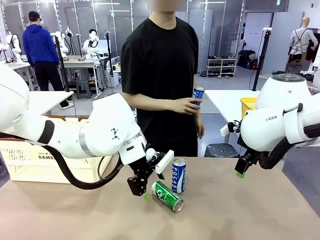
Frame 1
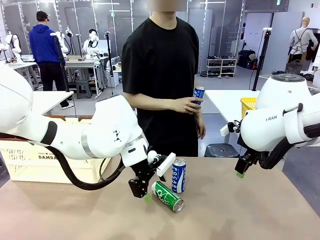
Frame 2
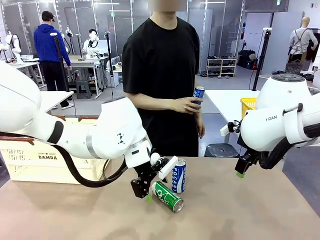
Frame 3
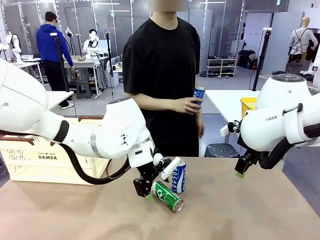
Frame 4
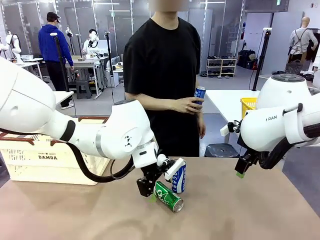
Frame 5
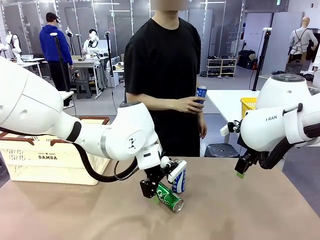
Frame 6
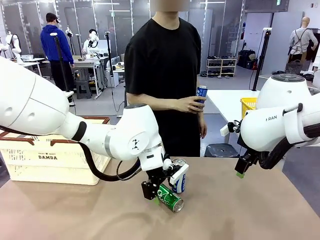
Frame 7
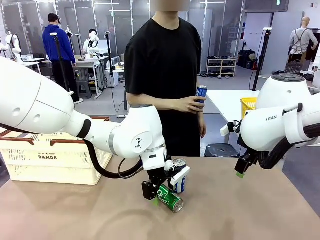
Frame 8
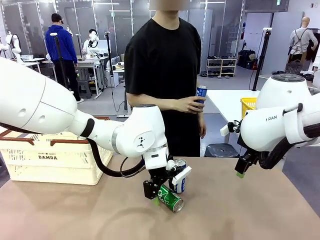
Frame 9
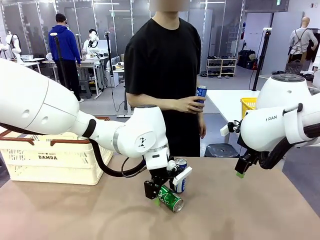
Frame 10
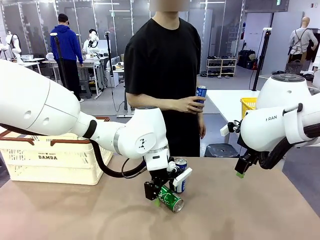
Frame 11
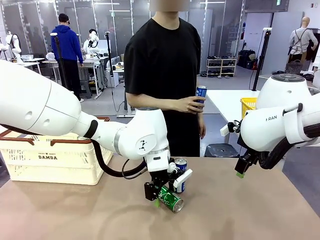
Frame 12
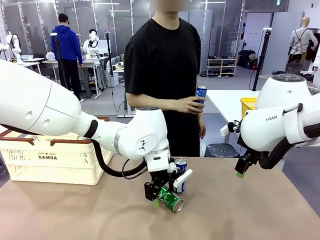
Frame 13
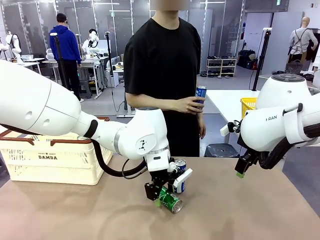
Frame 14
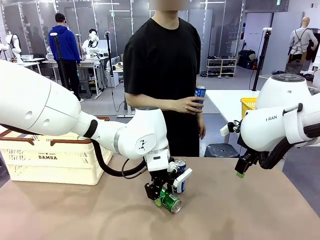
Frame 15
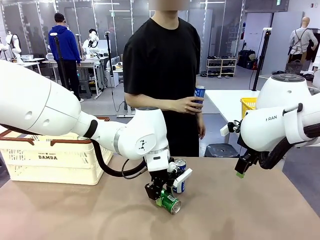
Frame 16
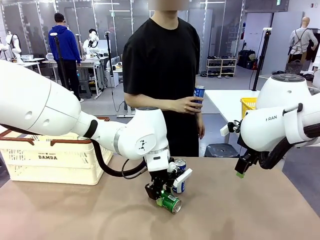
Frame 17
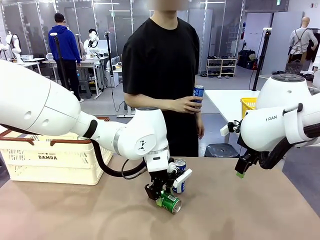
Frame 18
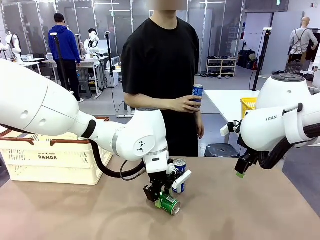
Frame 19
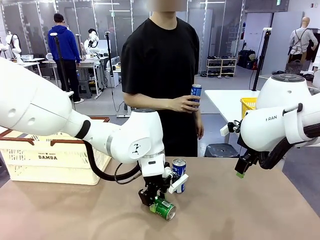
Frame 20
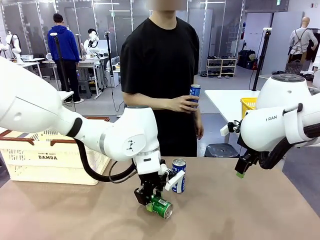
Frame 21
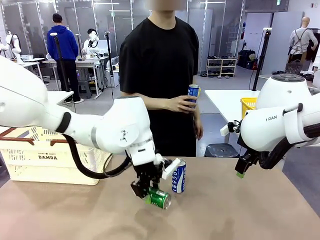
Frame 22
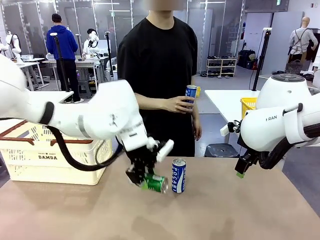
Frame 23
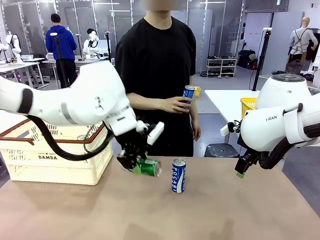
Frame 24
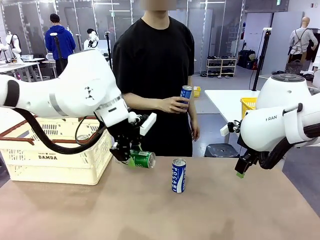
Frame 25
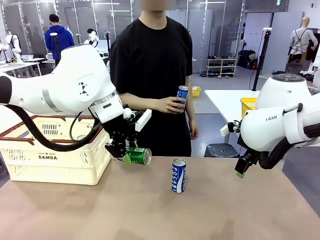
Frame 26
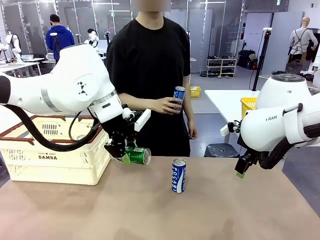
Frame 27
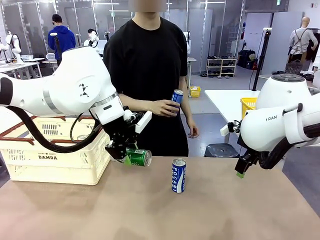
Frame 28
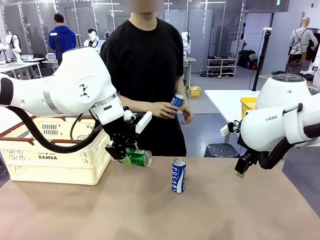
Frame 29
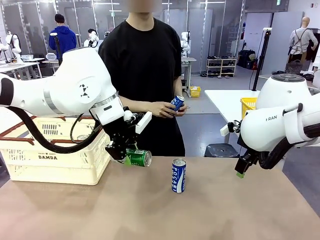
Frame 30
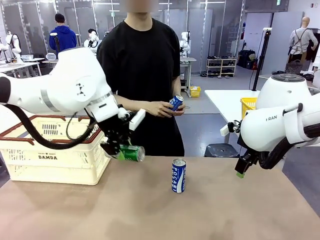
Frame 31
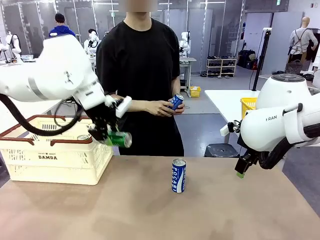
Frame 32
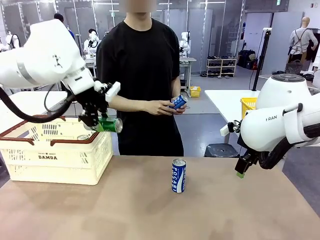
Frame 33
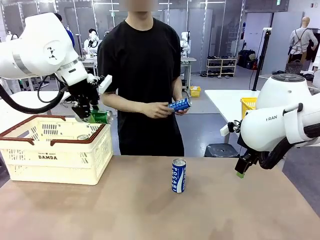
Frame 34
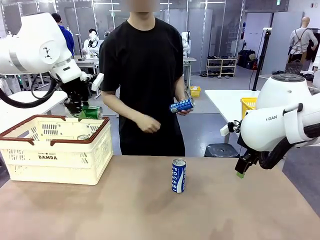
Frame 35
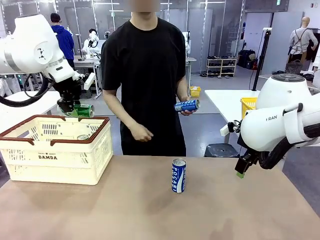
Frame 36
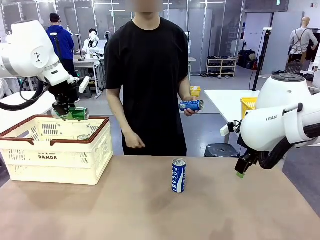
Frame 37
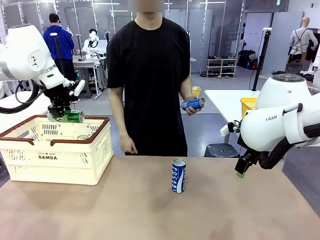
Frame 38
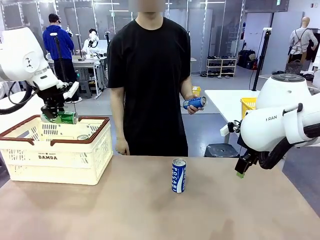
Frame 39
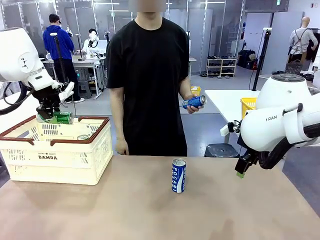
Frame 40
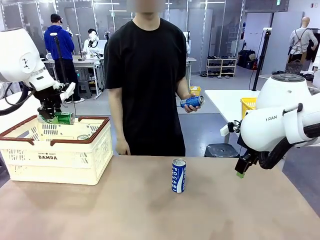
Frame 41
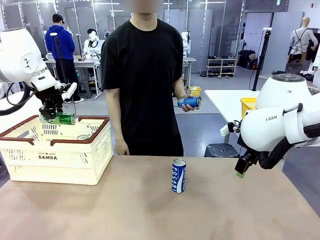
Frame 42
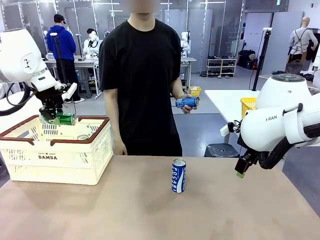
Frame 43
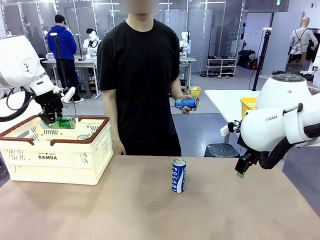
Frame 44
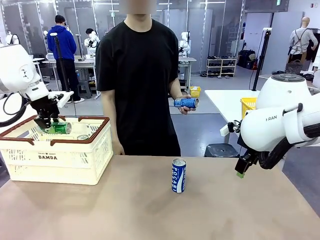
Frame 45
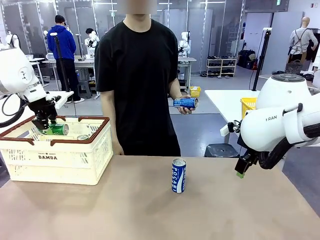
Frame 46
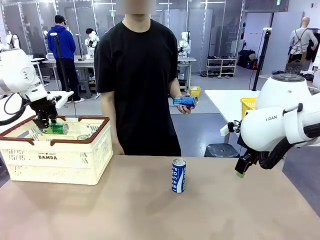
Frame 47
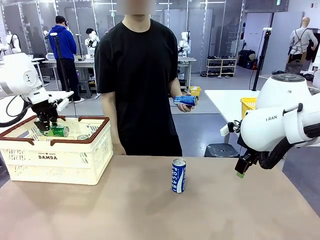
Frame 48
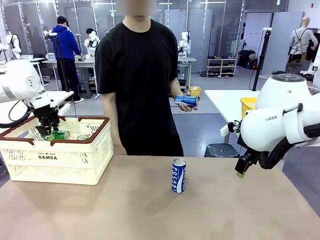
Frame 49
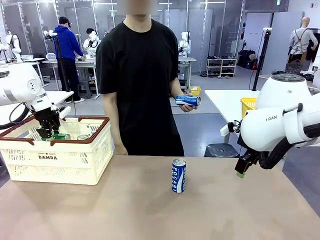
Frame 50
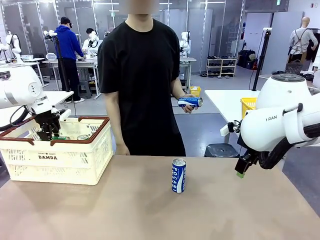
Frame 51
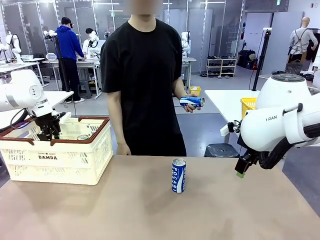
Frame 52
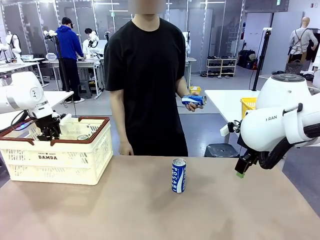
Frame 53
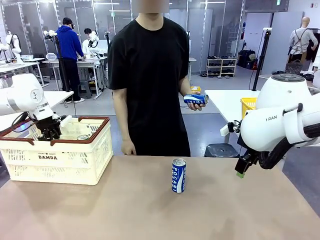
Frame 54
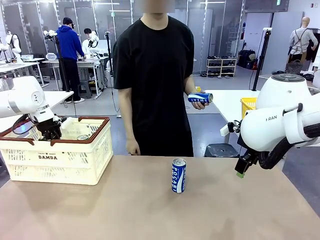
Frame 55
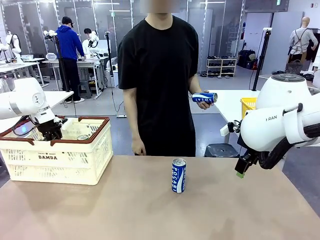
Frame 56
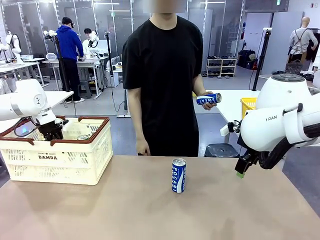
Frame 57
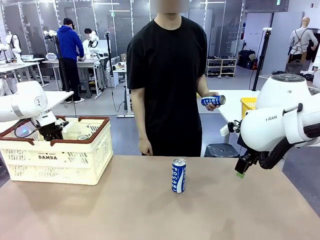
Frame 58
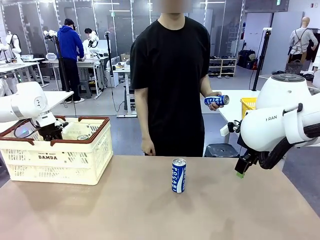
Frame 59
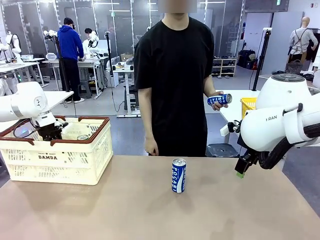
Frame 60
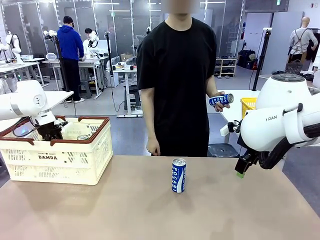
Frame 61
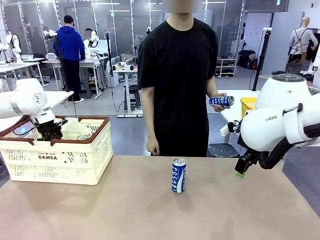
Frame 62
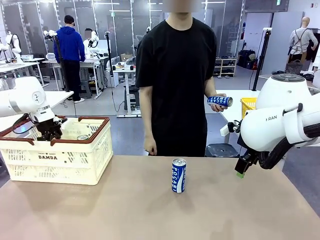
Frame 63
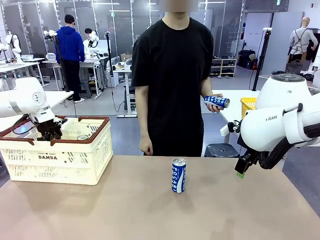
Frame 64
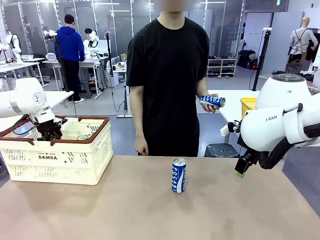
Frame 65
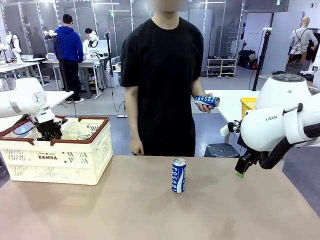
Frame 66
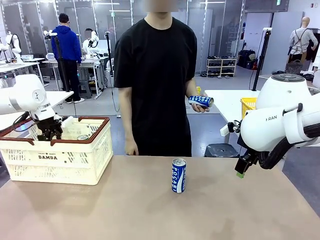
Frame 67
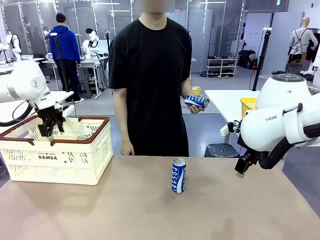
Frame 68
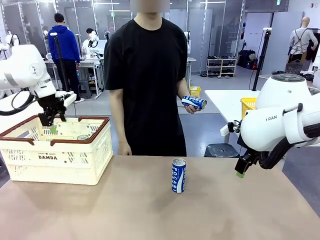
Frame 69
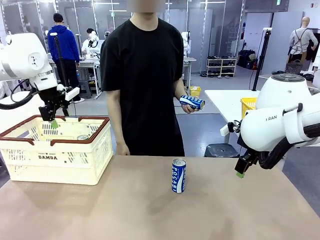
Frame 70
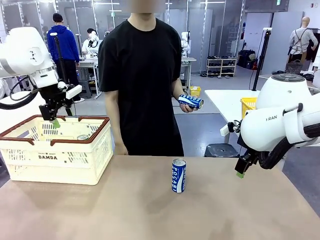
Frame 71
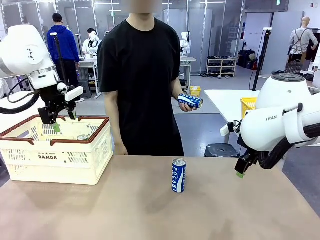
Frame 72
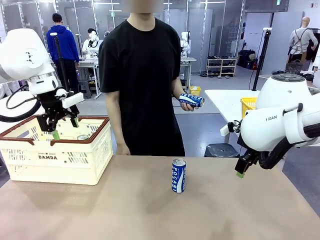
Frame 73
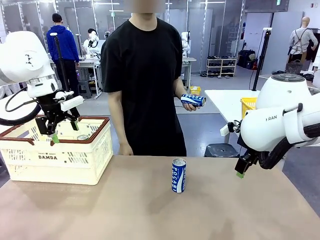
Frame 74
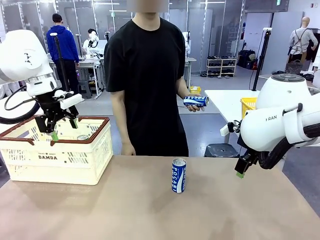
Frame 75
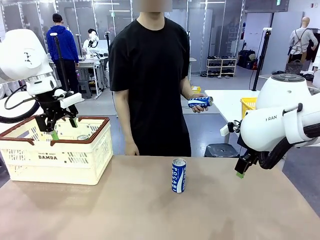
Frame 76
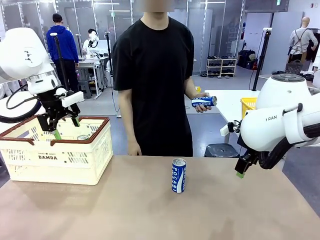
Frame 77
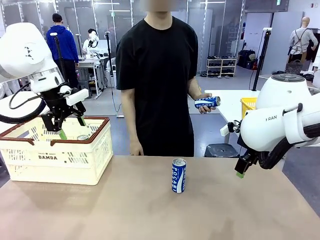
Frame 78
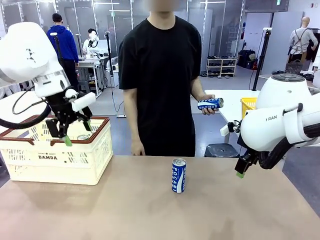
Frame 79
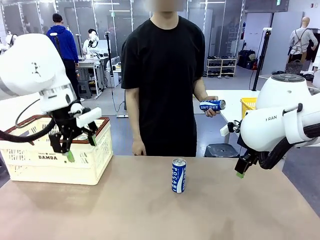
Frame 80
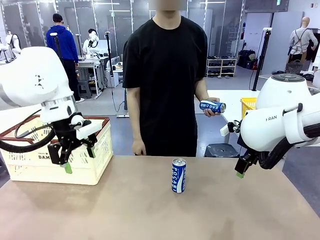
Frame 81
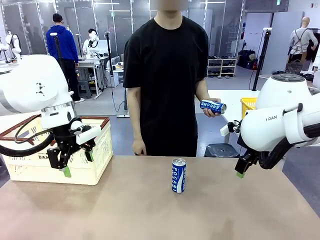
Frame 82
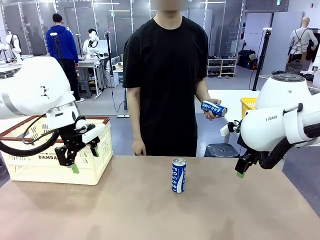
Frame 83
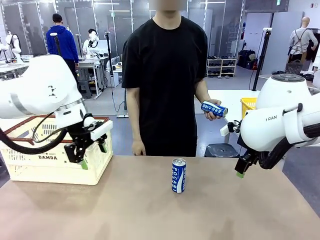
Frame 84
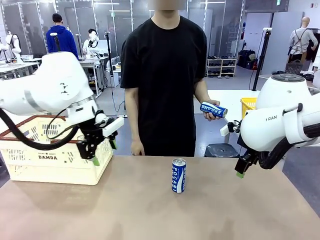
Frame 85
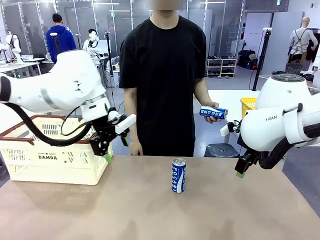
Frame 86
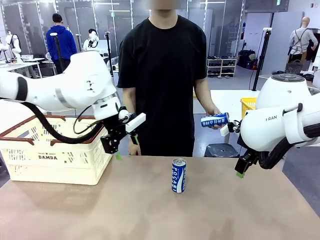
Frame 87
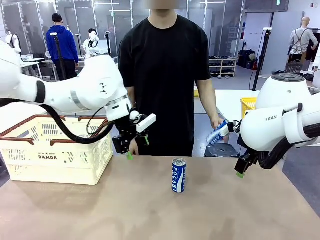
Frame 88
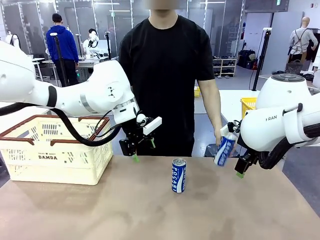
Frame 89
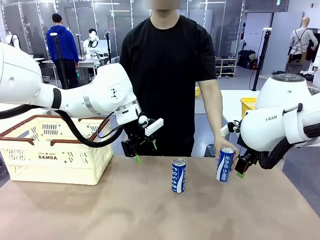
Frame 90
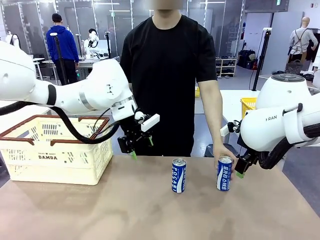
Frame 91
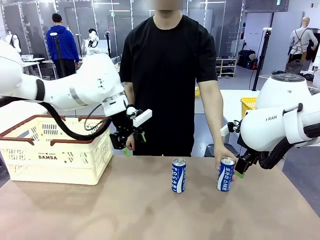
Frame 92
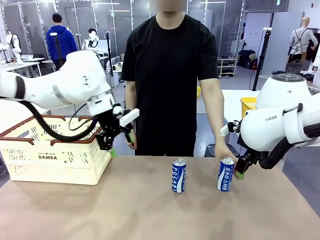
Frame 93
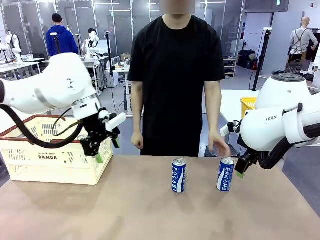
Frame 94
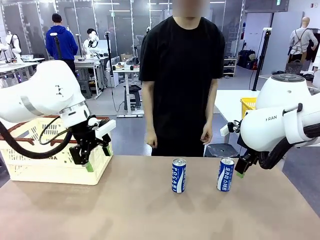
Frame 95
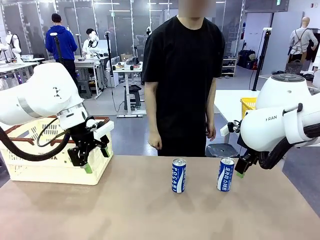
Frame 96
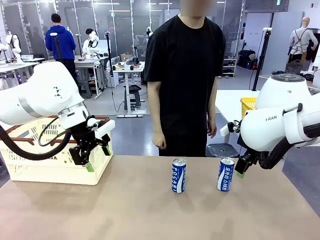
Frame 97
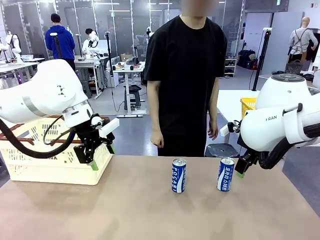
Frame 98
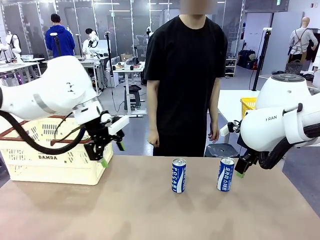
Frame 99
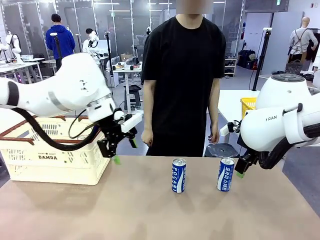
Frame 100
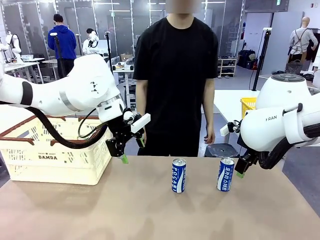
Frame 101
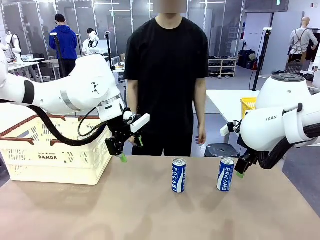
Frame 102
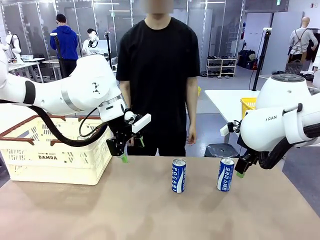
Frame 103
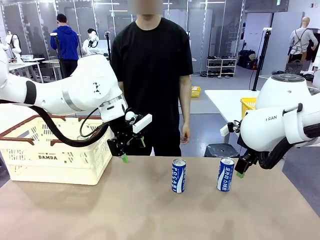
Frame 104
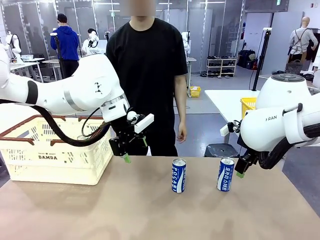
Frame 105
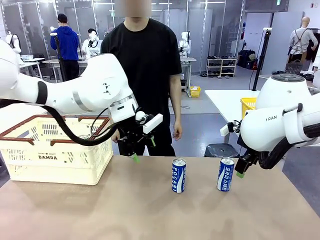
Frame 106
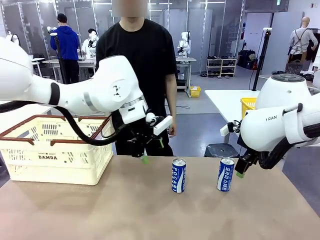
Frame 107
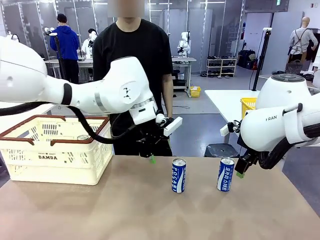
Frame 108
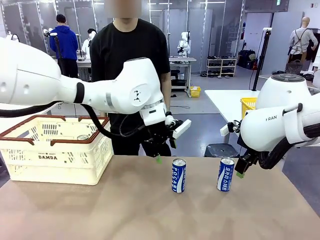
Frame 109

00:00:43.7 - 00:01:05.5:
Task: Place the drinks into the Shopping basket.
Robot: Pick up one drink and place it into the Shopping basket.
